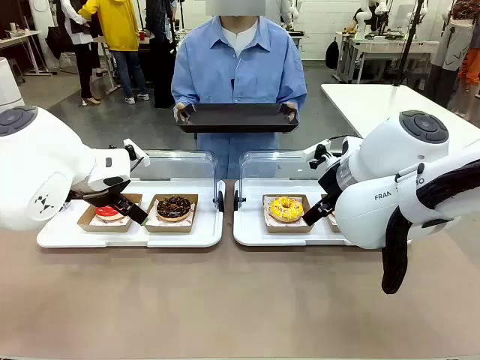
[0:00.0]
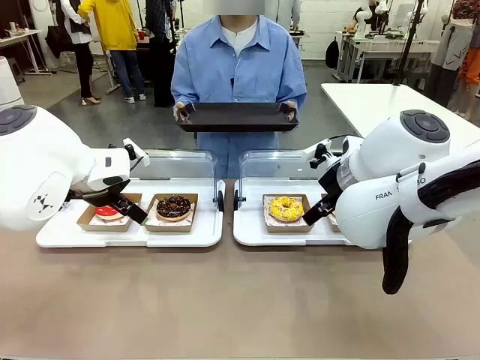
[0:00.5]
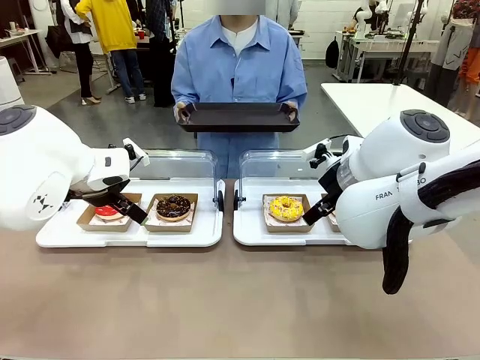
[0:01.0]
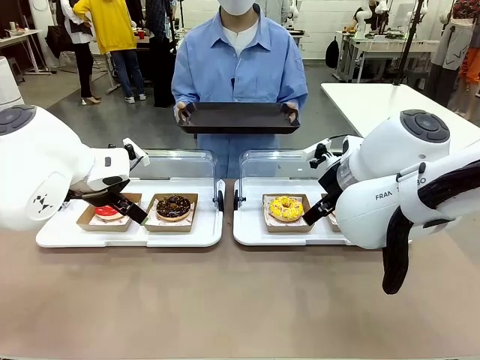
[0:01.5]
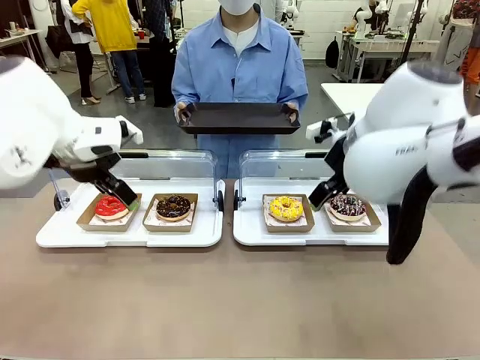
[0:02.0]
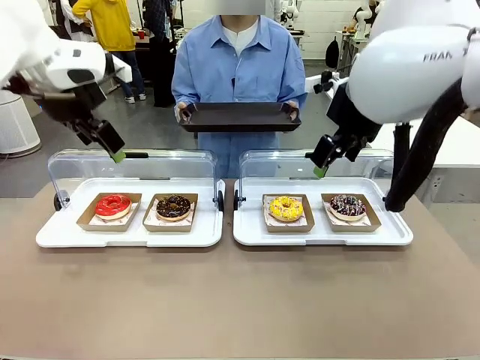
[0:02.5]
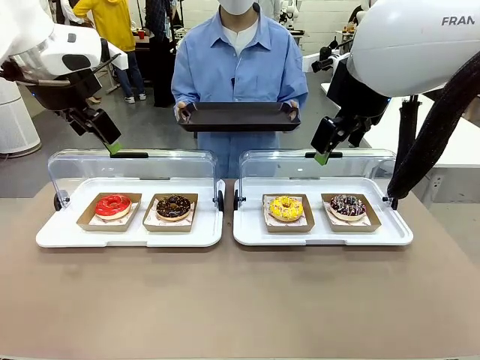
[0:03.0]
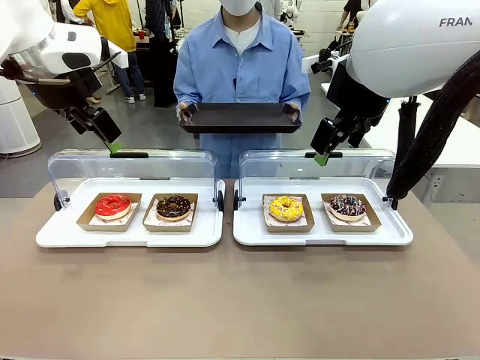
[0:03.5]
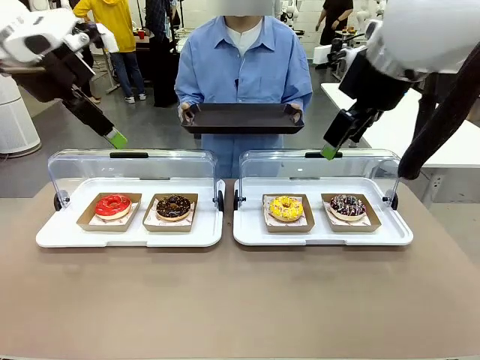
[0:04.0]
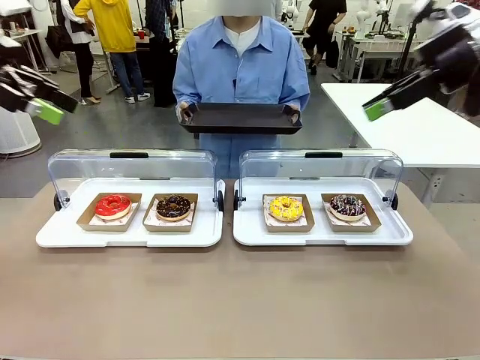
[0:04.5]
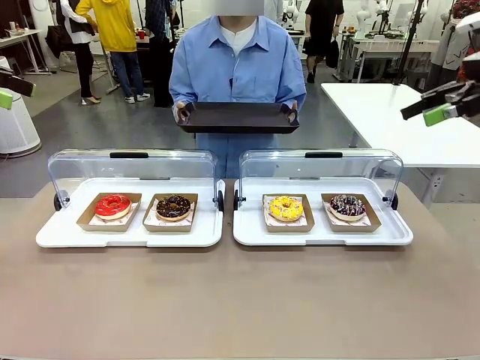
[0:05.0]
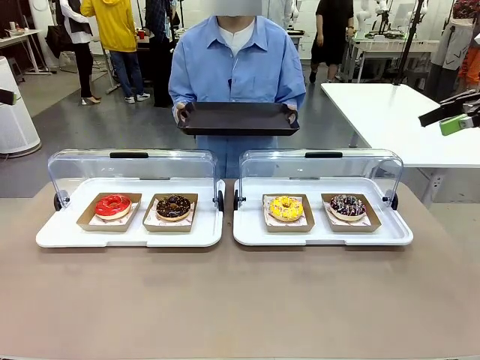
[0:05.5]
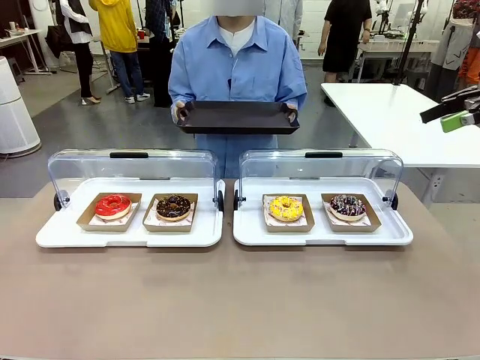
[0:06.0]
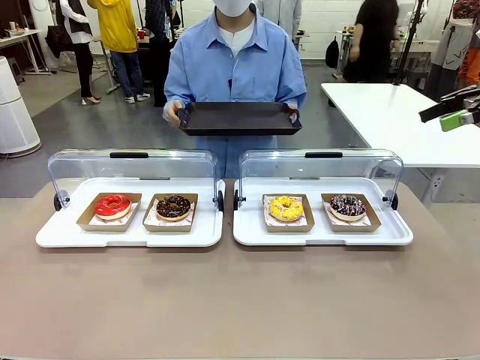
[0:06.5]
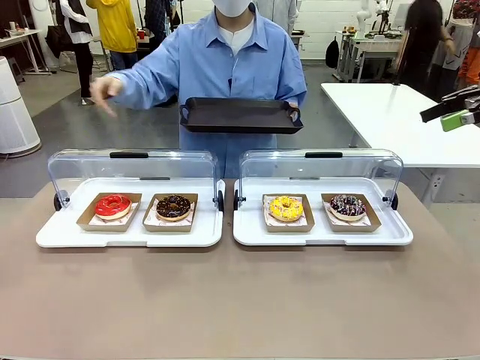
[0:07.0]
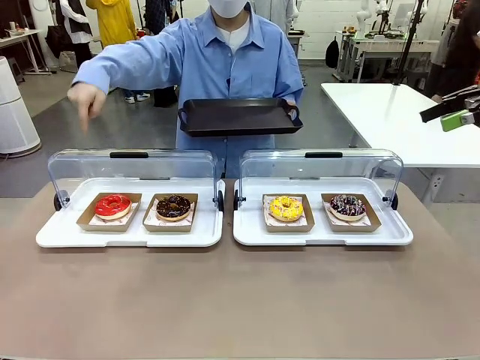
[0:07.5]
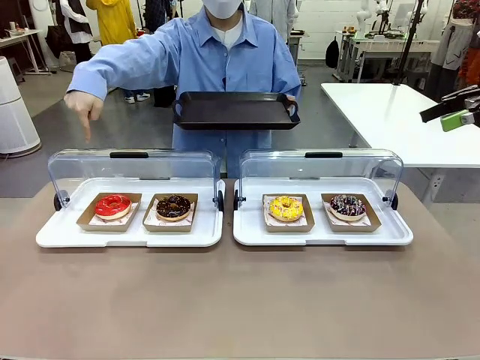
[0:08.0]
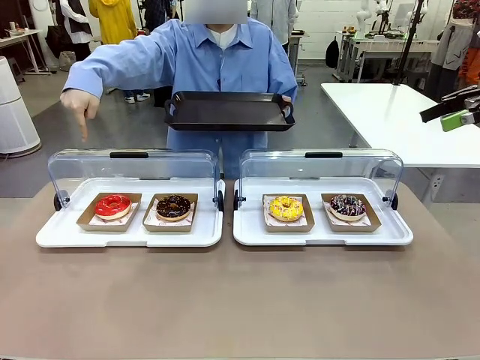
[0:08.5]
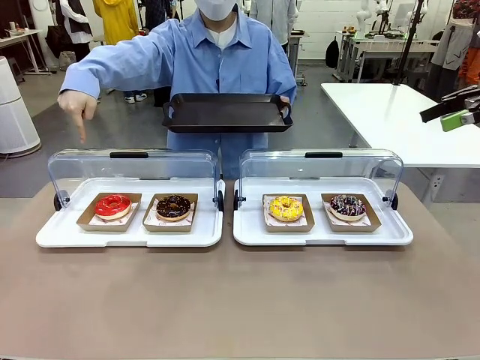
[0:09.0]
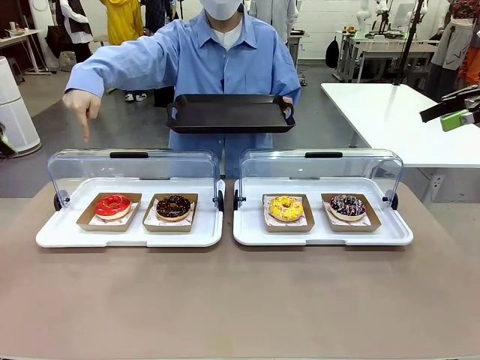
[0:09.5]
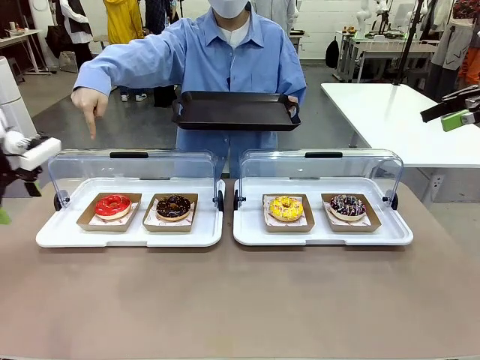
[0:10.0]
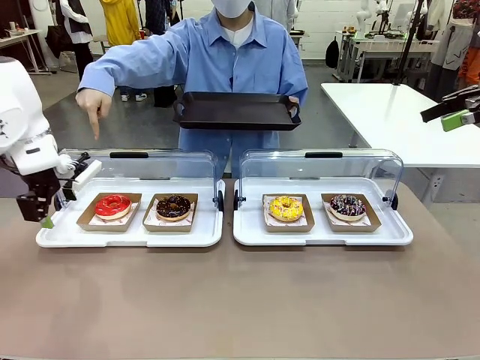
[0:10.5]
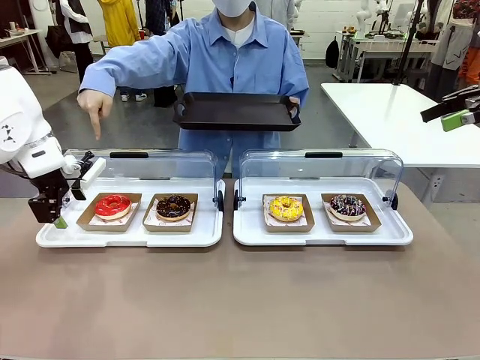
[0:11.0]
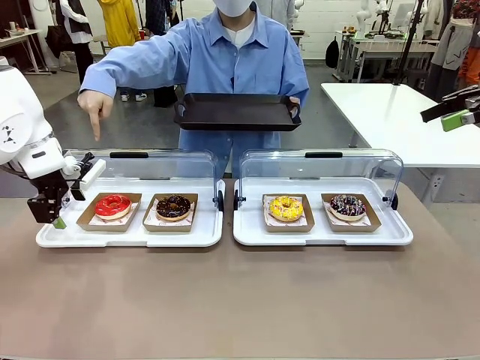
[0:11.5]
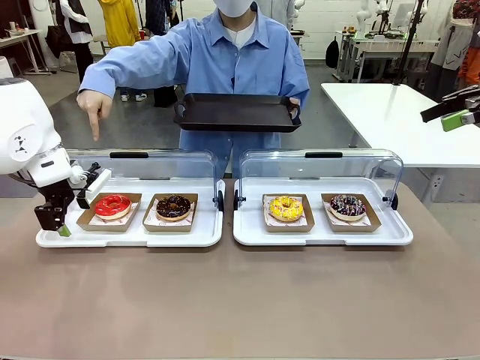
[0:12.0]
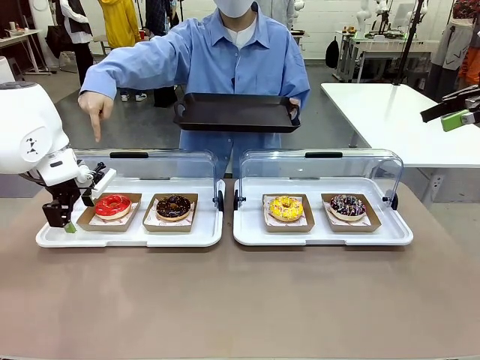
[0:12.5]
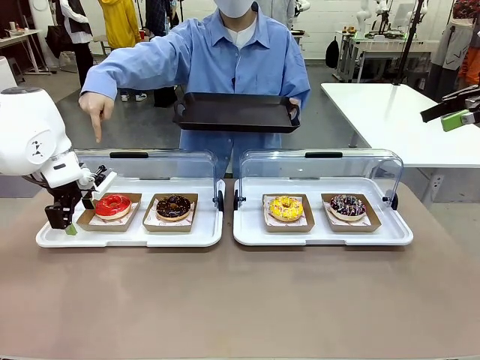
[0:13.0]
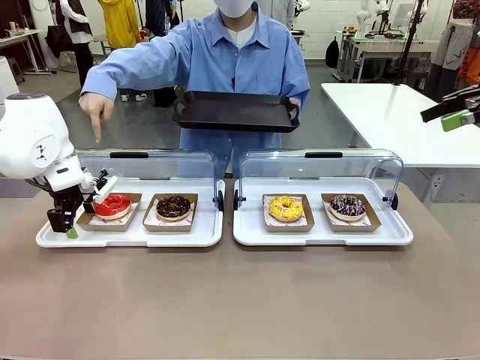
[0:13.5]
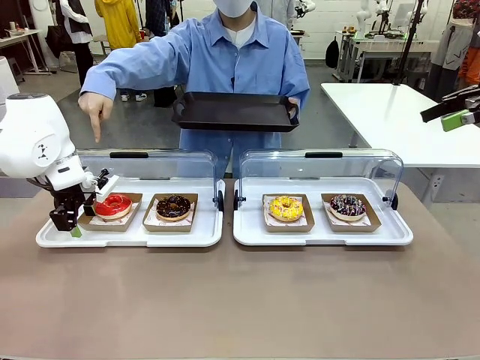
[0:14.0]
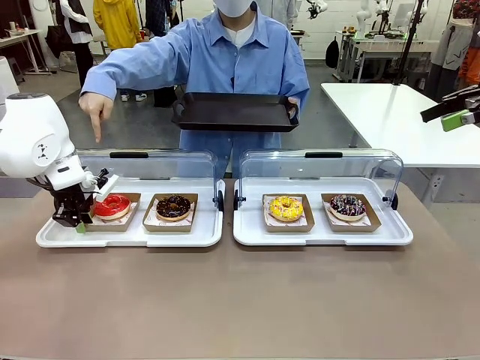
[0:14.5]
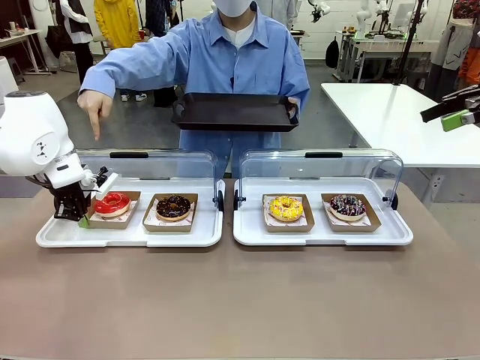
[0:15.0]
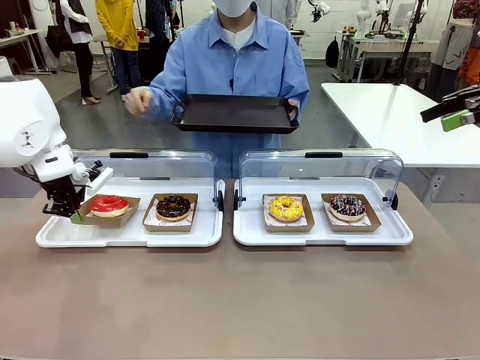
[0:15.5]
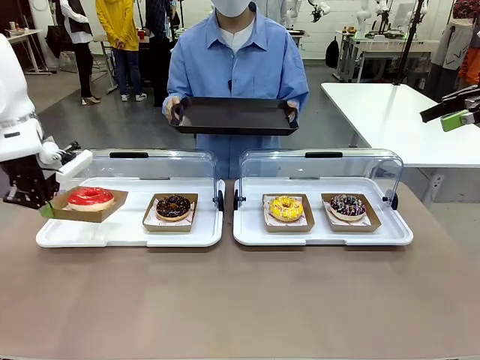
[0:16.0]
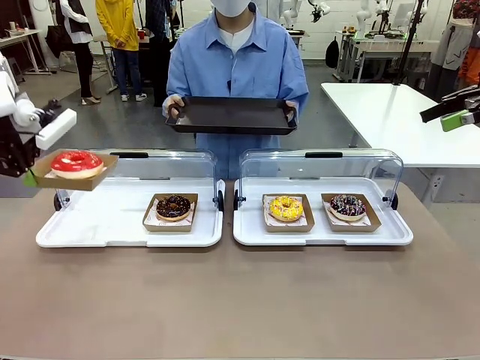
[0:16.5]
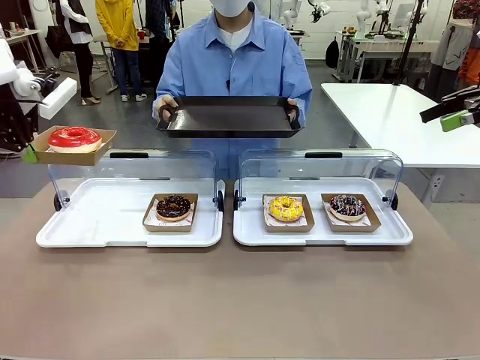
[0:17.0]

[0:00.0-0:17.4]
Task: Provide the desired donut to the person.
Robot: Pick up and lift the Paper togo box containing the Donut pointed at by the person.
Person: Point to one donut. Lift the tray onto the Roll-Top Bakery Case.

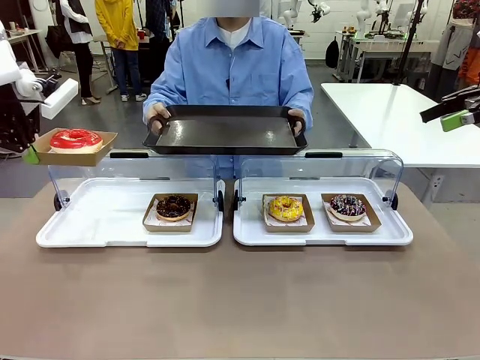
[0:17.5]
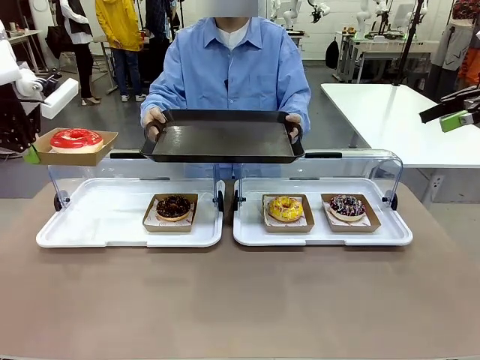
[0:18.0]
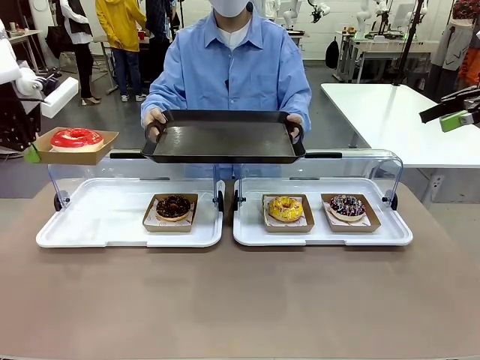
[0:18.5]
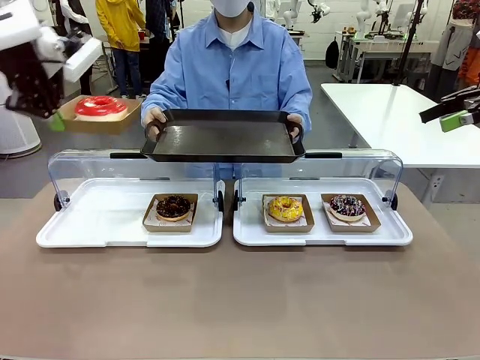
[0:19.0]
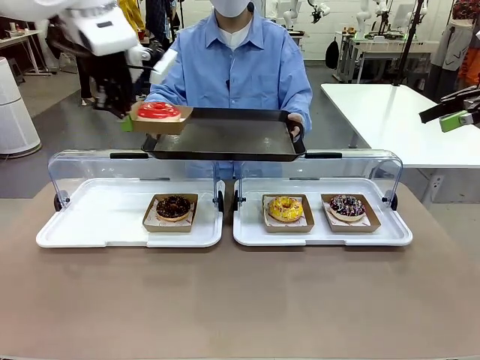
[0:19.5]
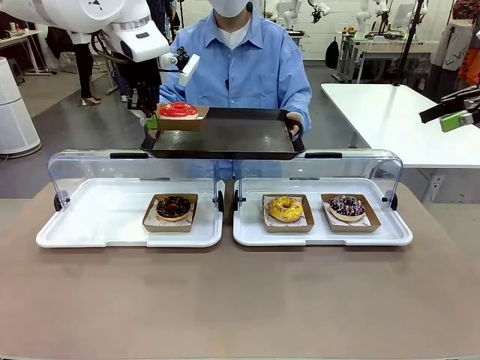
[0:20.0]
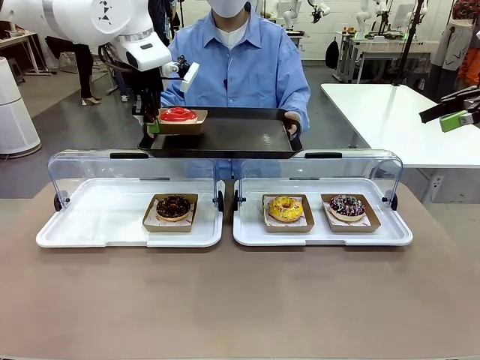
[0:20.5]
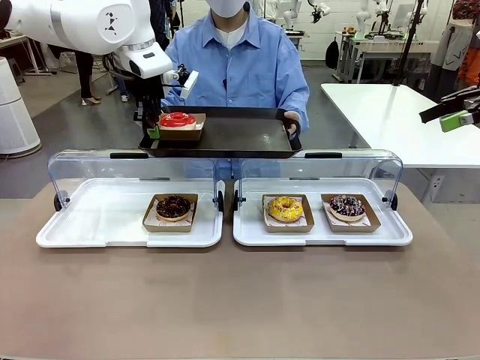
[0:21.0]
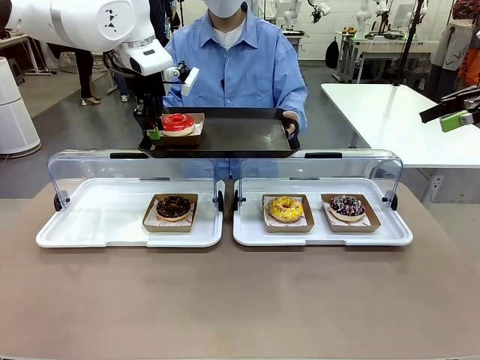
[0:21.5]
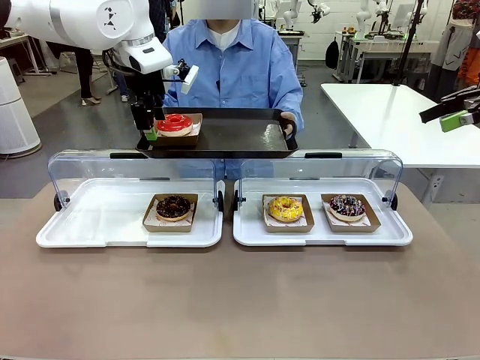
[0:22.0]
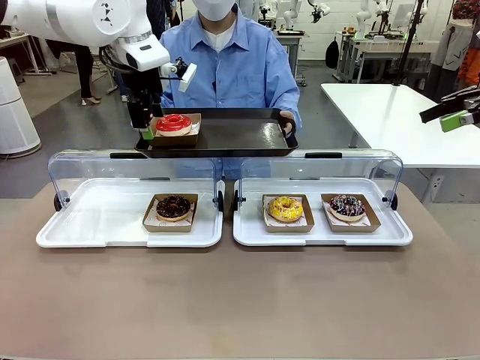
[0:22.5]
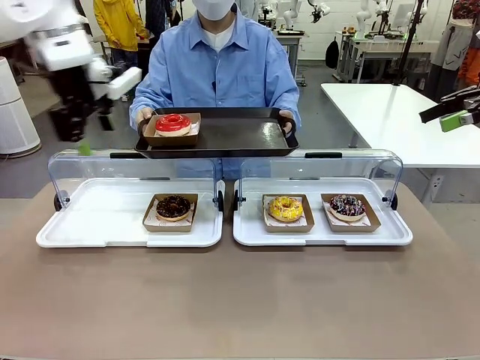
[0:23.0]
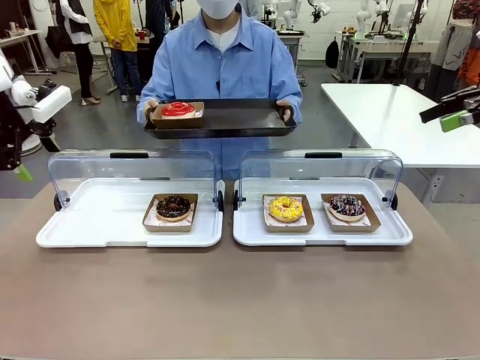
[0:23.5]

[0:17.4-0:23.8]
Robot: Place the picked Paper togo box onto the Handle tray extended by the person.

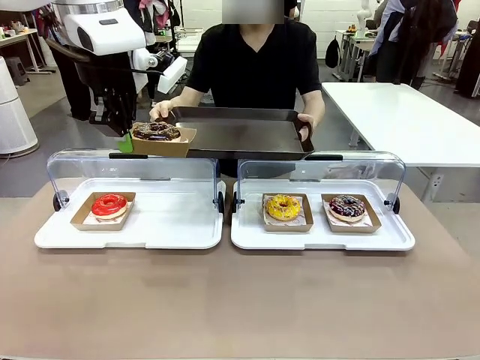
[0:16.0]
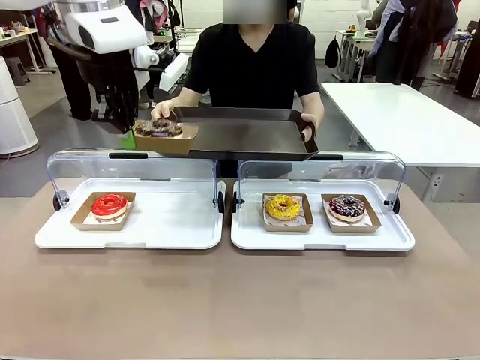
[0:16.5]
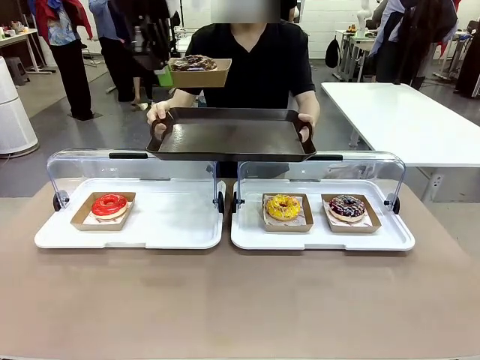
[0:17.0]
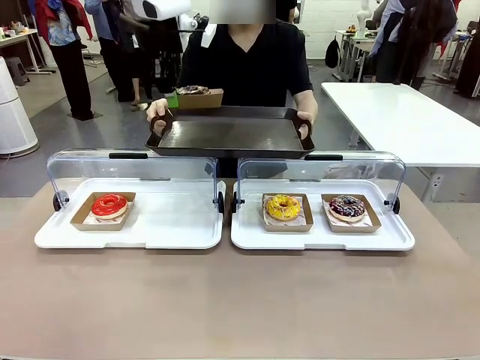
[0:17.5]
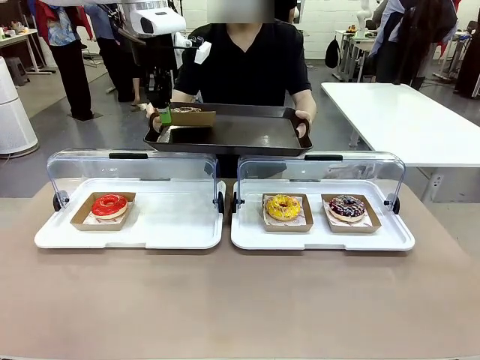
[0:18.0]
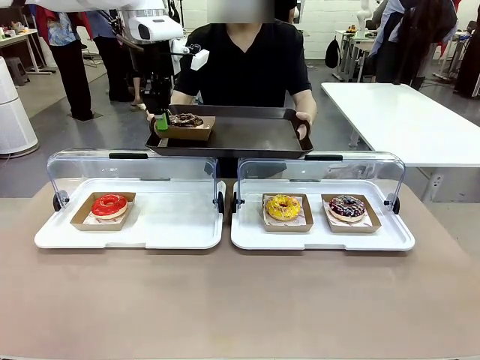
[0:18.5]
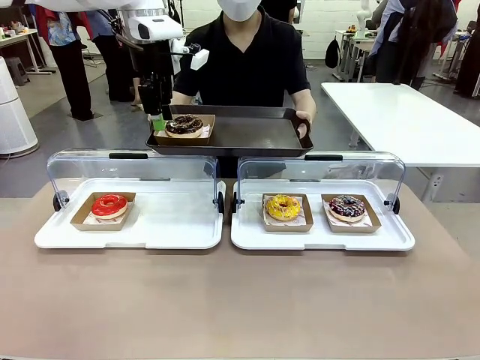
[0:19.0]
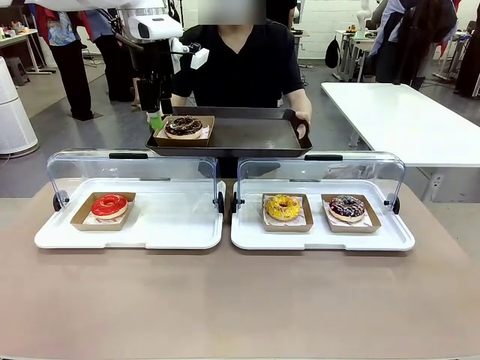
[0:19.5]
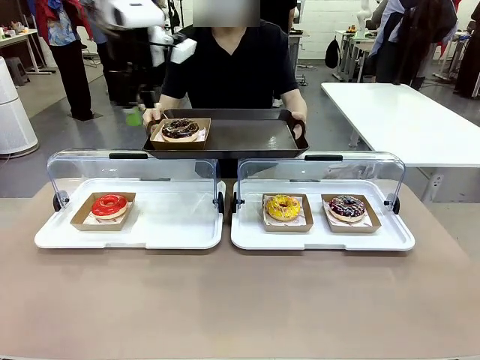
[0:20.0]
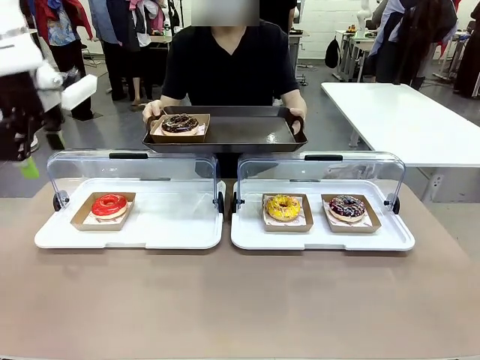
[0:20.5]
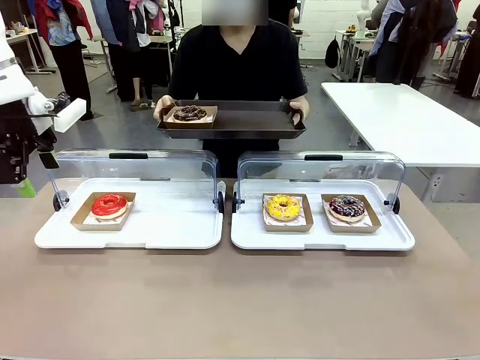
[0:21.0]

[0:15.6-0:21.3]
Task: Provide the desired donut to the person.
Robot: Place the picked Paper togo box onto the Handle tray extended by the person.
